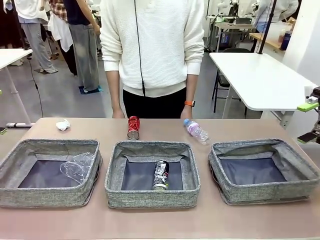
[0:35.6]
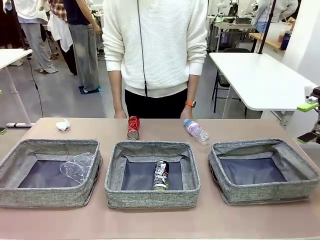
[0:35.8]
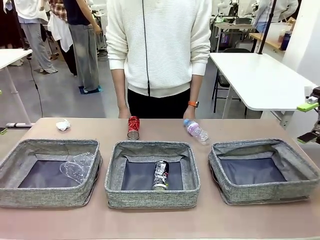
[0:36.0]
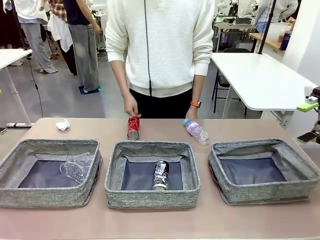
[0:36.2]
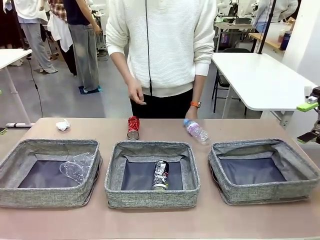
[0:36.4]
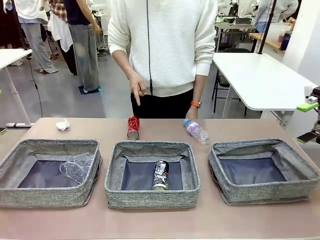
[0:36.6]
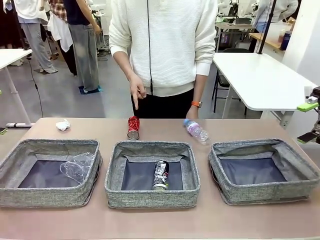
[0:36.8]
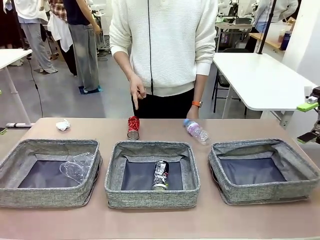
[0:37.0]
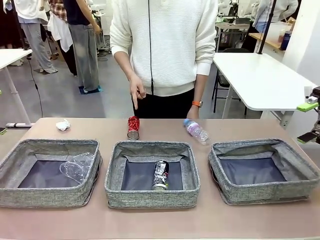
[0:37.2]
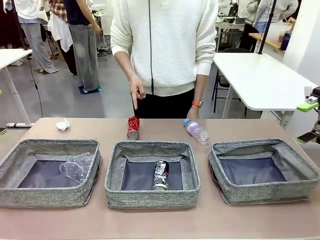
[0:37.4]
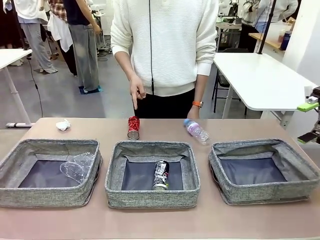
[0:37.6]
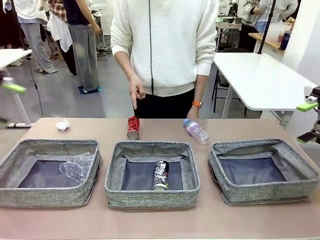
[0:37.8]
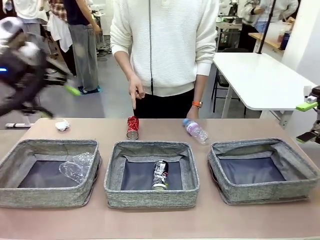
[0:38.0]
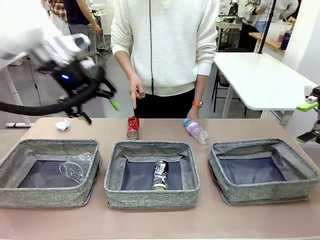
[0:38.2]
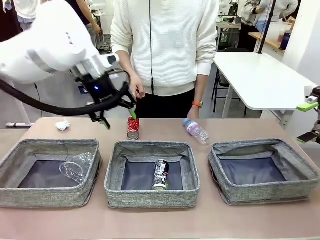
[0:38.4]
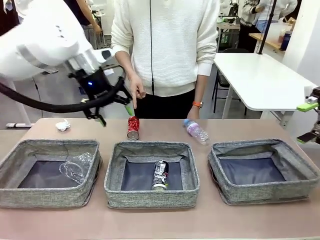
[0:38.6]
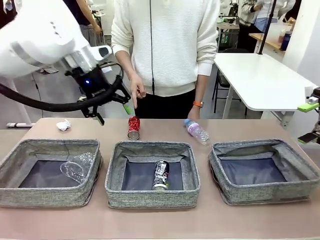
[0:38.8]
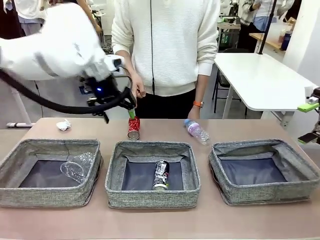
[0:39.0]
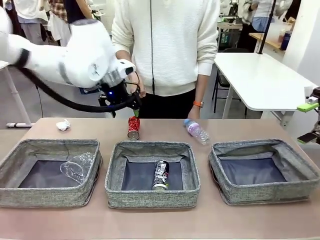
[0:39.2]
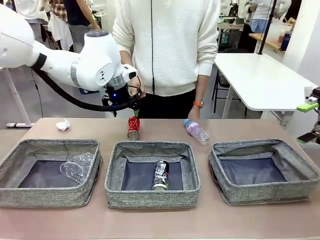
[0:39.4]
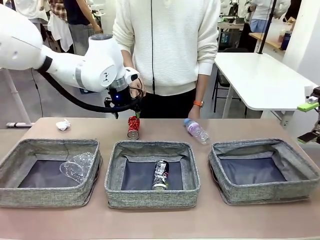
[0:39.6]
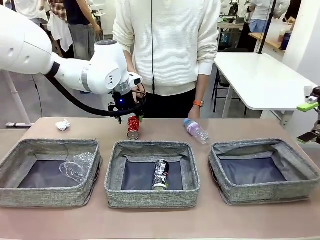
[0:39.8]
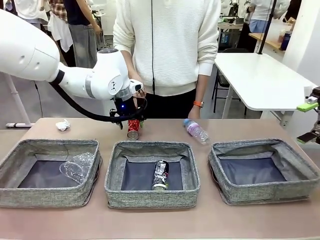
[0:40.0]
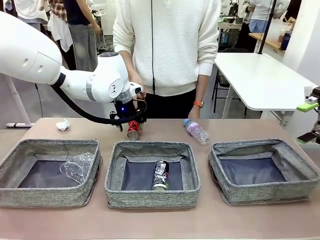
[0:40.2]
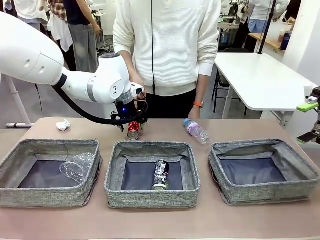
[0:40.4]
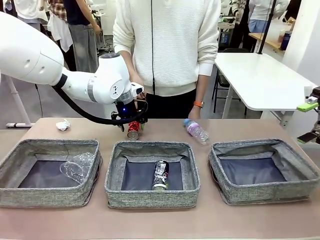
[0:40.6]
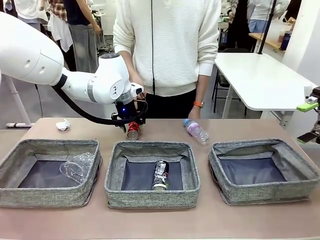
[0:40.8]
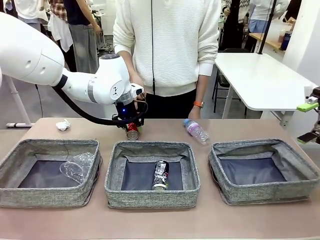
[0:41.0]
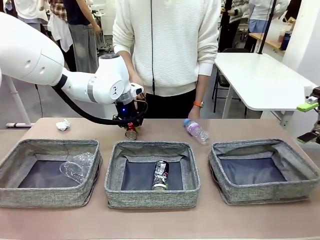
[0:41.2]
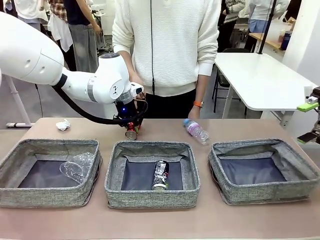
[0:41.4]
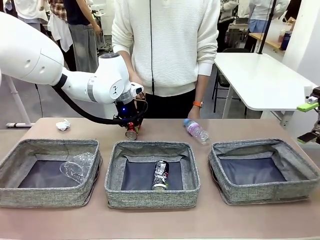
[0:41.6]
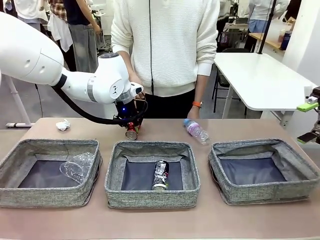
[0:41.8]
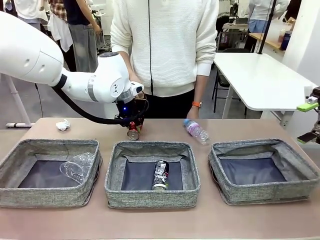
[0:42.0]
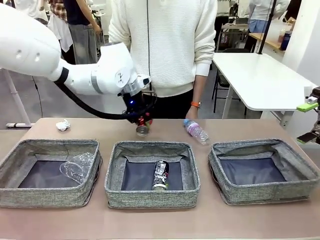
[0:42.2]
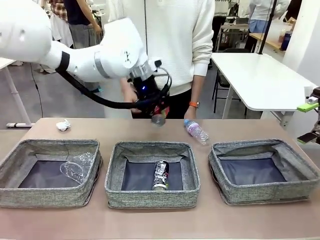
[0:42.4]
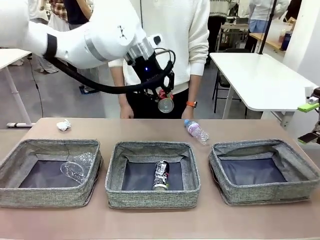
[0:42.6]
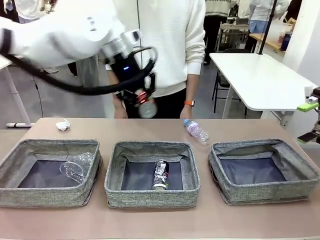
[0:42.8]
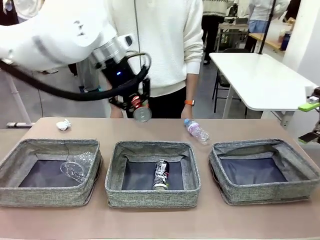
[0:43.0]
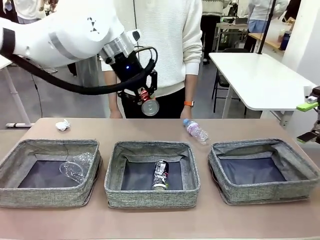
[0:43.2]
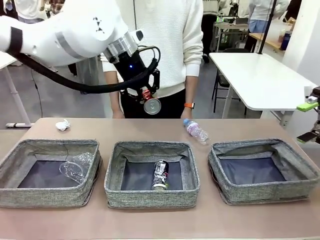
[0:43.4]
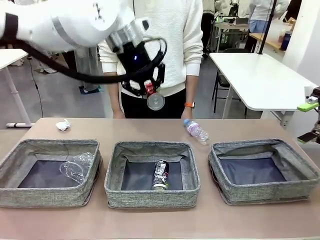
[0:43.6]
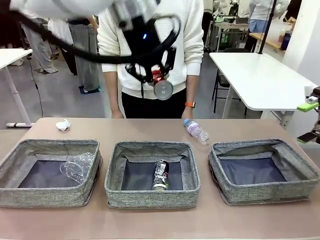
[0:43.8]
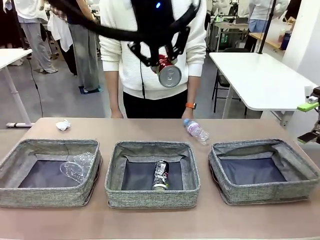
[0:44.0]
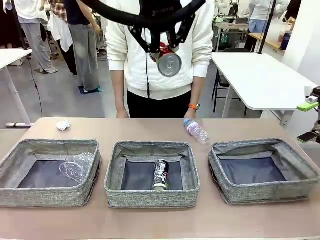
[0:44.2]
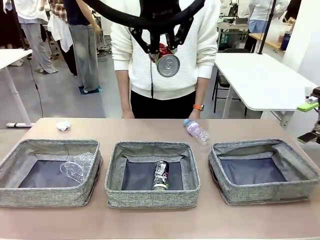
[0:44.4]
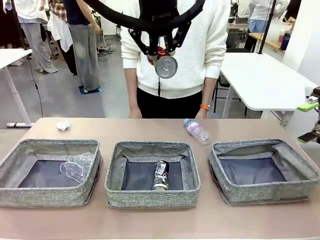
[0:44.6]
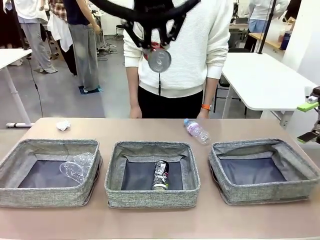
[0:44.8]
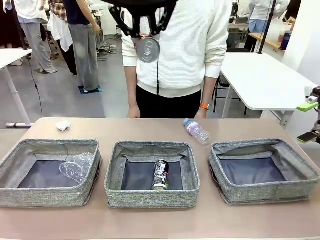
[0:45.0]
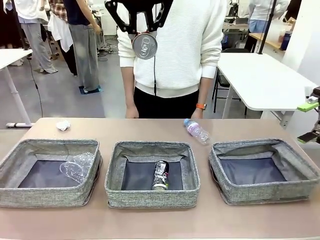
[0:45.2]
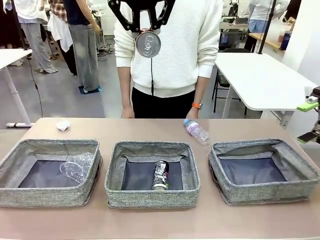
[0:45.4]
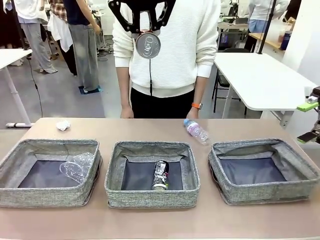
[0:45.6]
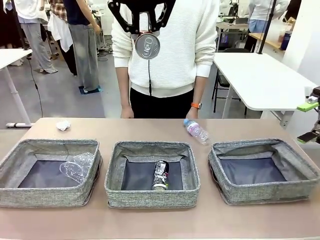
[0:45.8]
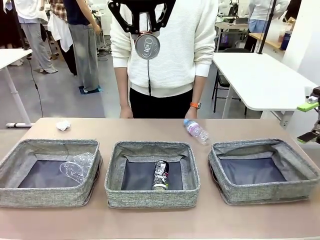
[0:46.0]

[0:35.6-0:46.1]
Task: Sort the waste into the appropriate baskets.
Robot: Pick up the waste item pointed out by the person.
Person: Points to one piece of trash on the table.

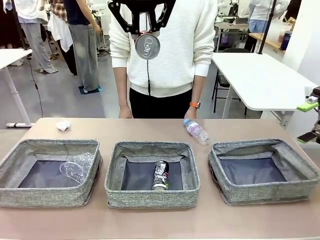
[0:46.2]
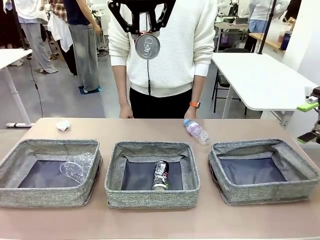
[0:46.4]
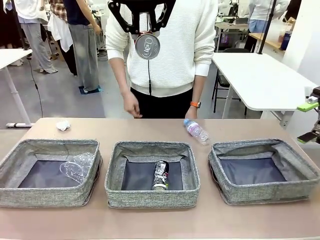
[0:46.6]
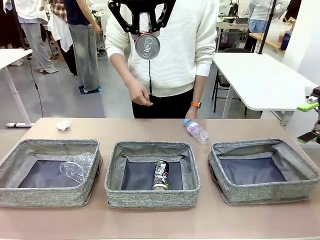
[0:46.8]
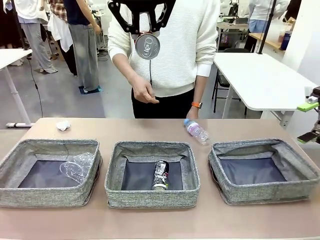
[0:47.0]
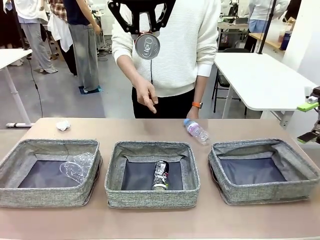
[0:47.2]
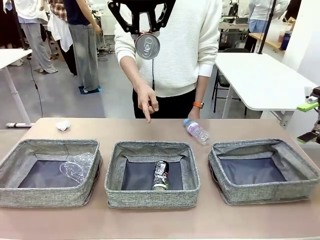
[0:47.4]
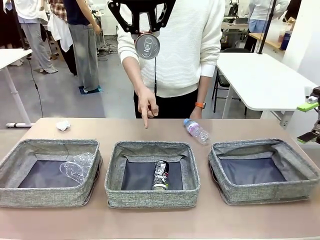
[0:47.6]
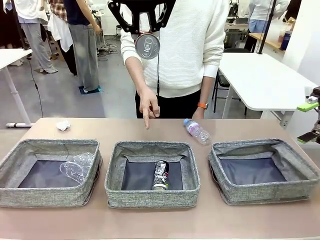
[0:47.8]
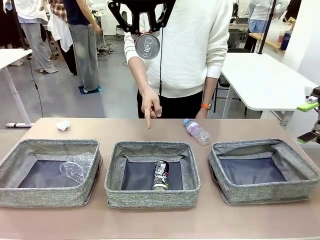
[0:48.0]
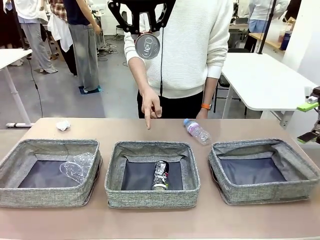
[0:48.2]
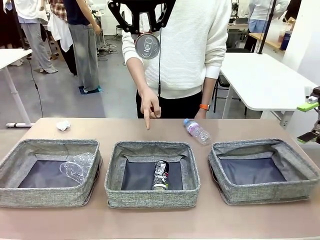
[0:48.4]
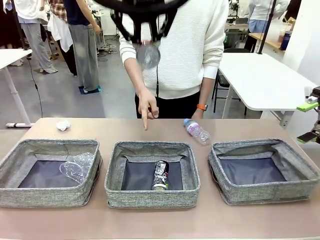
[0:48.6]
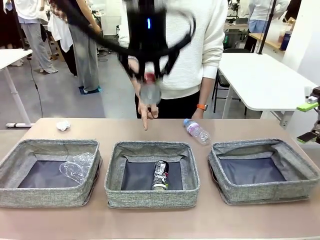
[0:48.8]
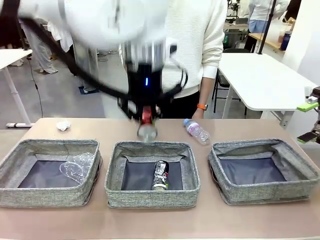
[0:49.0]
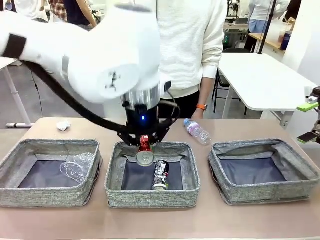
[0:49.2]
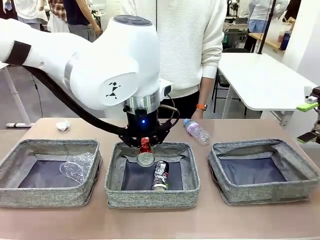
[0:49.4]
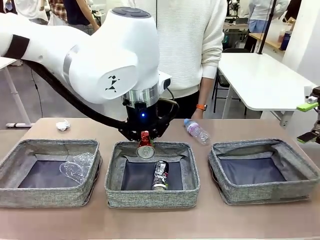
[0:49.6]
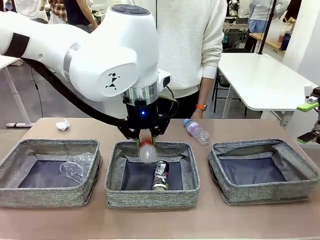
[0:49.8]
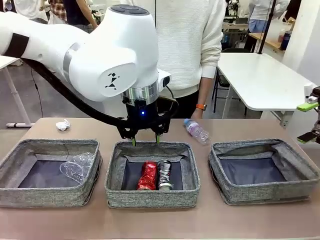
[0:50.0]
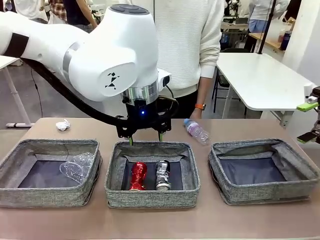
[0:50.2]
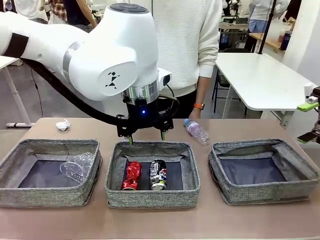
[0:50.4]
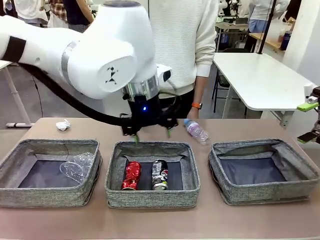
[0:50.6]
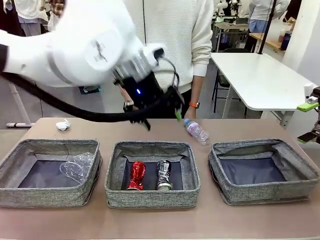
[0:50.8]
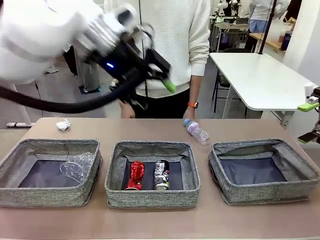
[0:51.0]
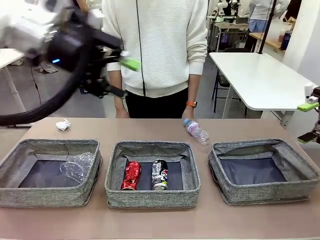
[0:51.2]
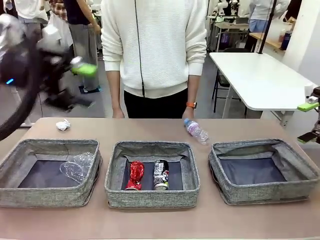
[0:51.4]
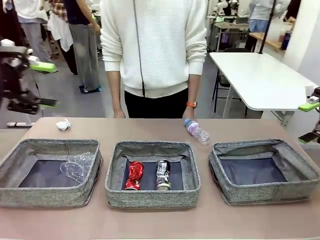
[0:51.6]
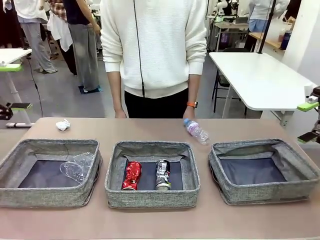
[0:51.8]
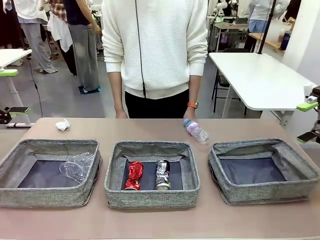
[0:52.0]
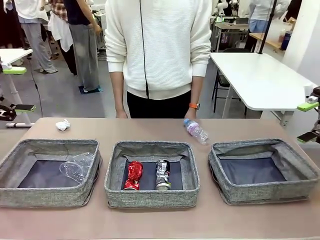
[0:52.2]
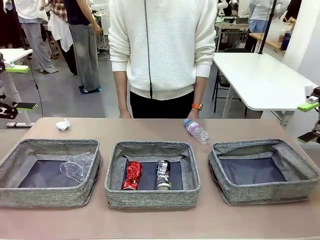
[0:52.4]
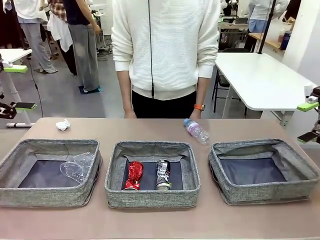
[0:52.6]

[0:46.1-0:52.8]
Robot: Place the picked waste into the Fabric basket indicated by the person.
Person: Instructs the robot to place the picked-up trash into the appropriate organizing basket.

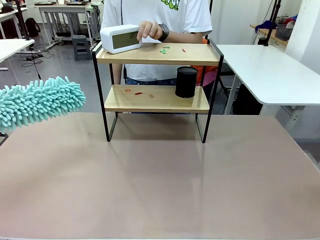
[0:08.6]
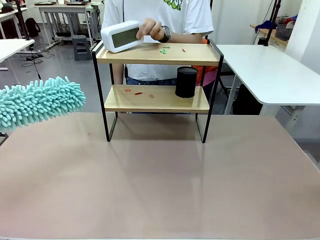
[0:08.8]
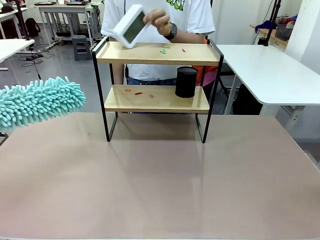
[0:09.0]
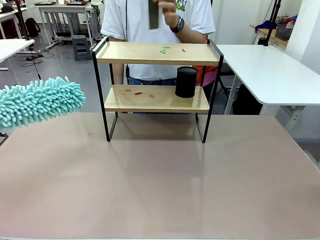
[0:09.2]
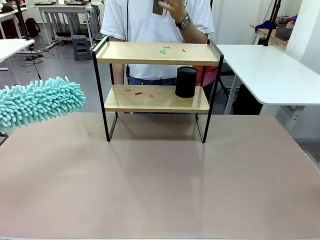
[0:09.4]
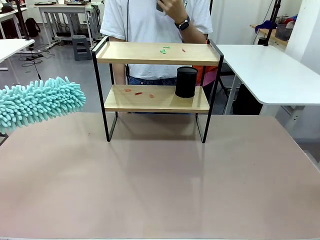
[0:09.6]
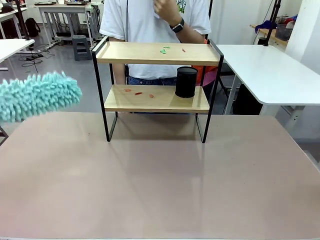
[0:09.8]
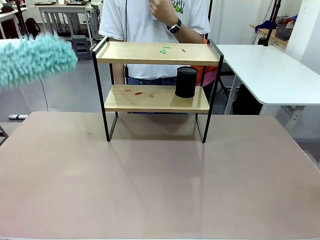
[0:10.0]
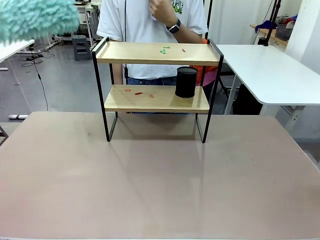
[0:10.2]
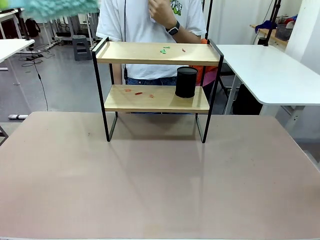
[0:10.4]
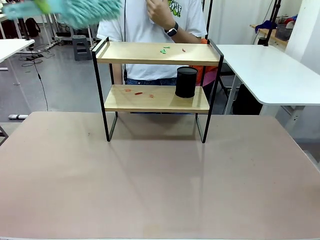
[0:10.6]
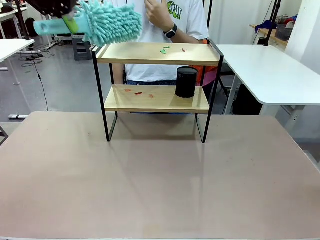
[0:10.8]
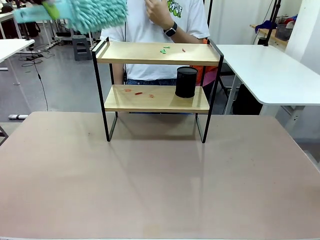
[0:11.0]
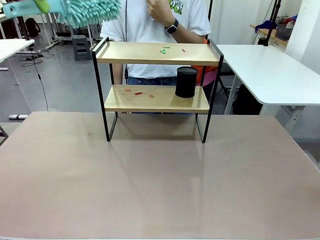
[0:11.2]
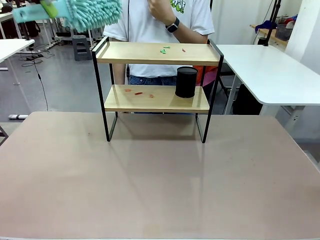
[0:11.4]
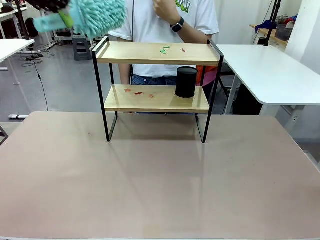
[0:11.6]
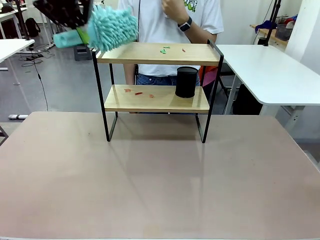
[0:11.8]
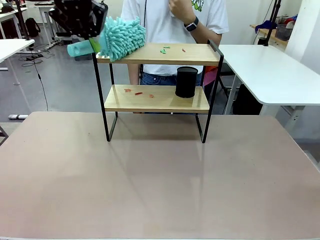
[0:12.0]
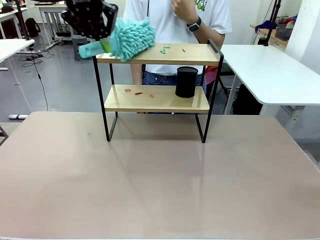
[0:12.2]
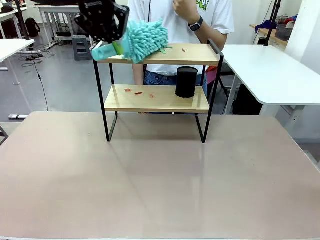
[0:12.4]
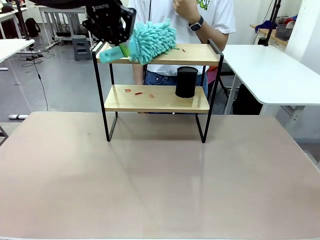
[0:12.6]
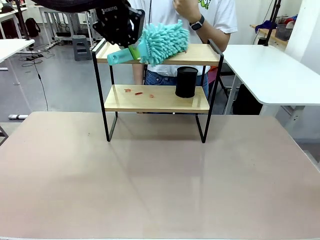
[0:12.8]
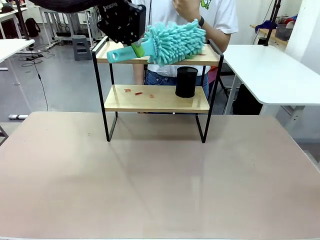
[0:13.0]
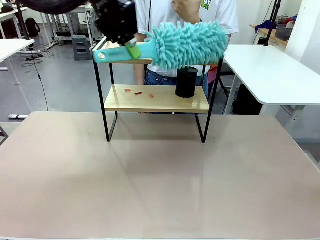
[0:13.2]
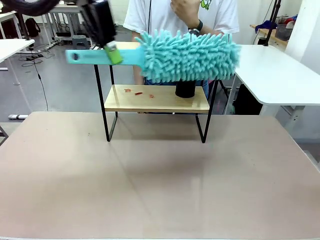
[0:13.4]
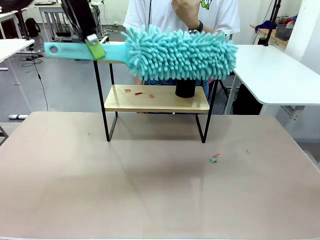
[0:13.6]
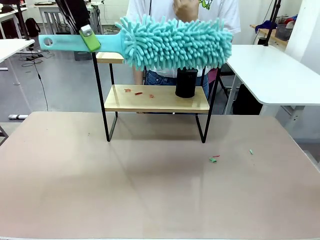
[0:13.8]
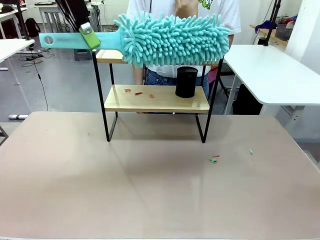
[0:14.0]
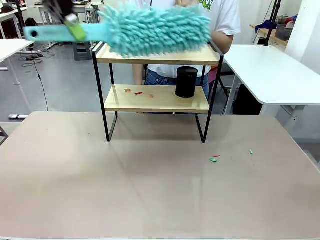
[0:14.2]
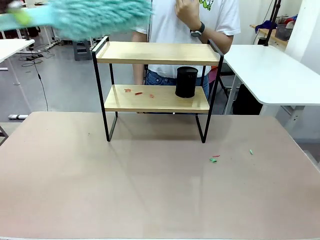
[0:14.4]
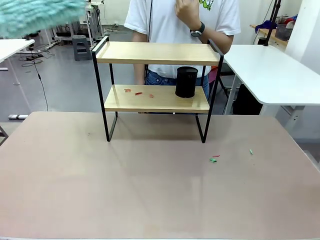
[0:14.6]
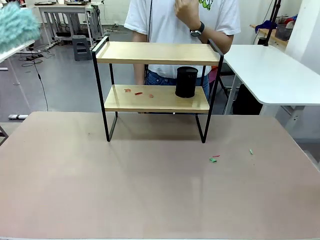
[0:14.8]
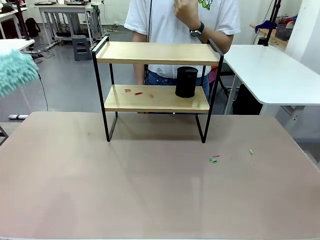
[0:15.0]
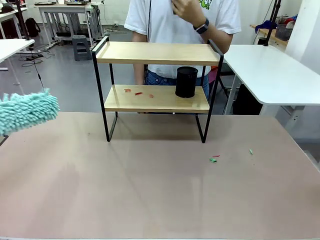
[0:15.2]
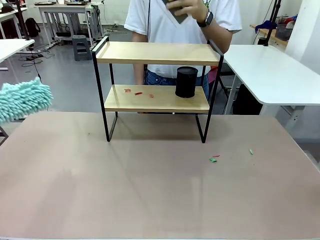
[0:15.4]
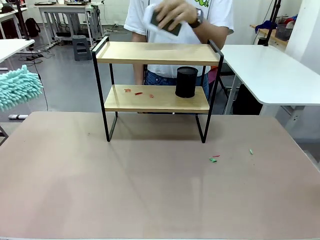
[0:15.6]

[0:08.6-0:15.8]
Task: Clean the shelf.
Robot: Clean the specific tier of the Shelf with the Duster once objects are removed.
Person: Lift the objects on a randomly selected tier of the Shelf. Once the robot finishes cleaning, lift the objects on the remaining tiers of the Shelf.
